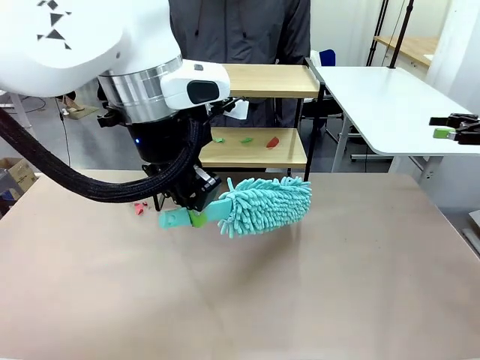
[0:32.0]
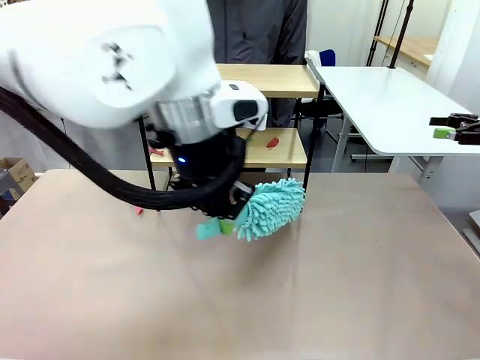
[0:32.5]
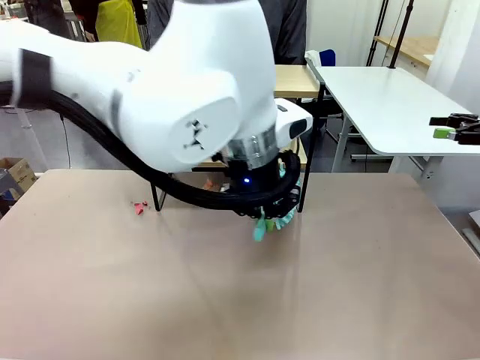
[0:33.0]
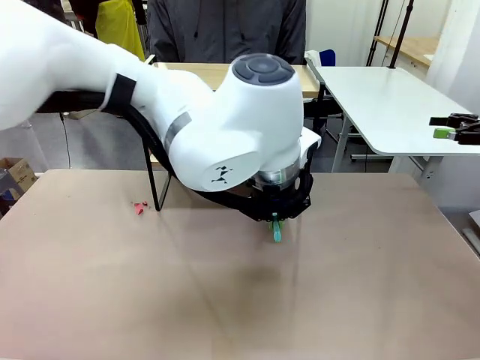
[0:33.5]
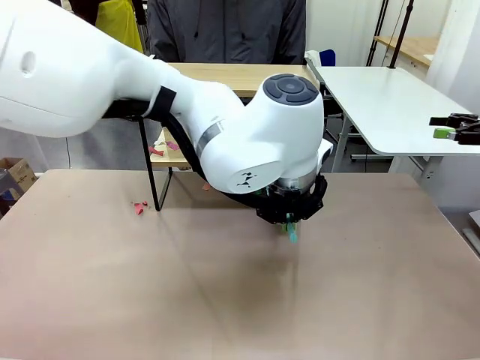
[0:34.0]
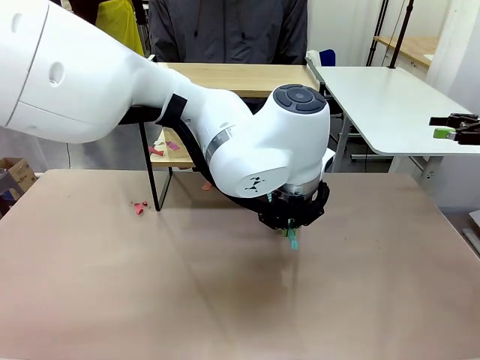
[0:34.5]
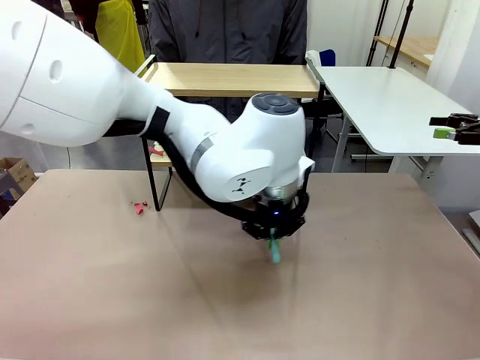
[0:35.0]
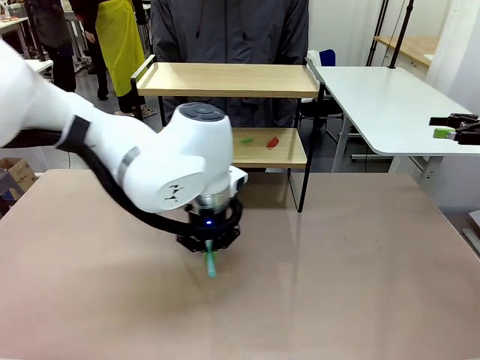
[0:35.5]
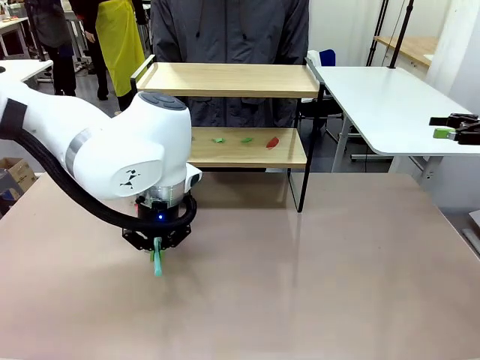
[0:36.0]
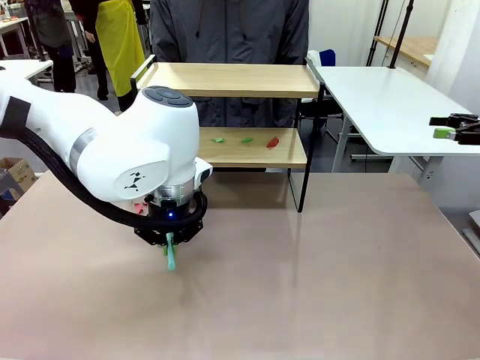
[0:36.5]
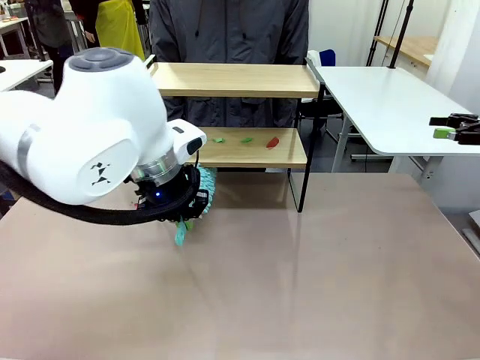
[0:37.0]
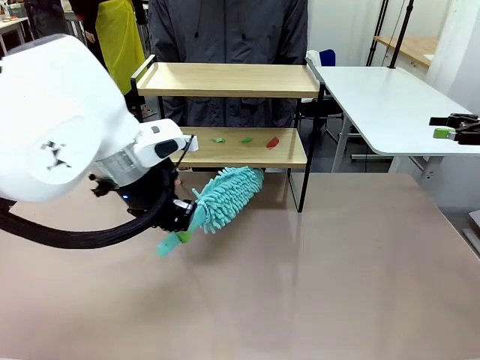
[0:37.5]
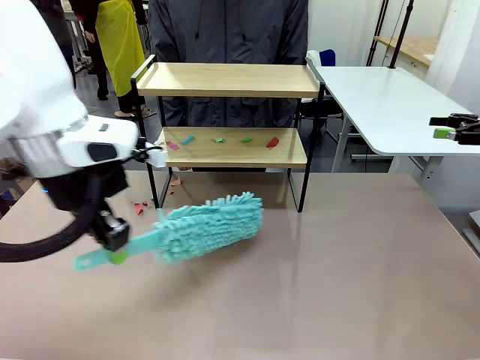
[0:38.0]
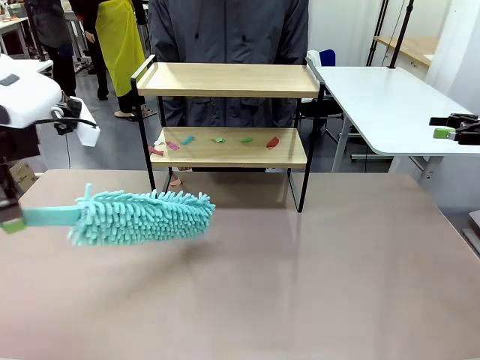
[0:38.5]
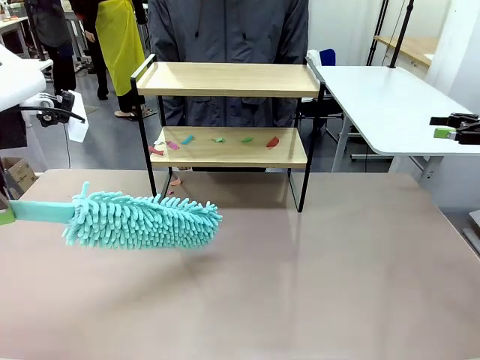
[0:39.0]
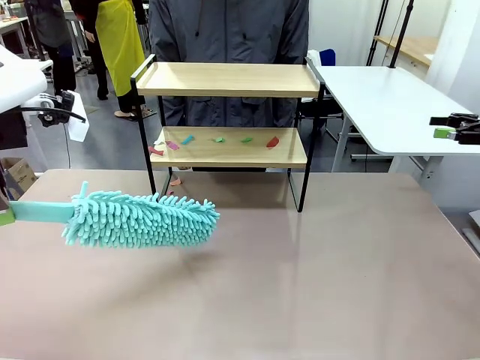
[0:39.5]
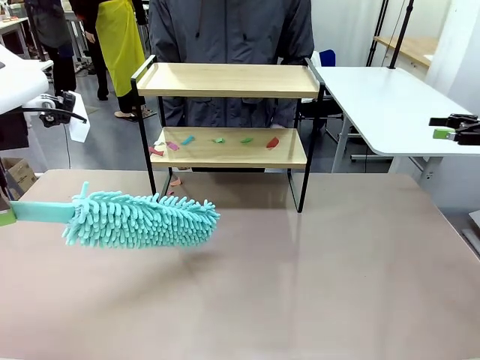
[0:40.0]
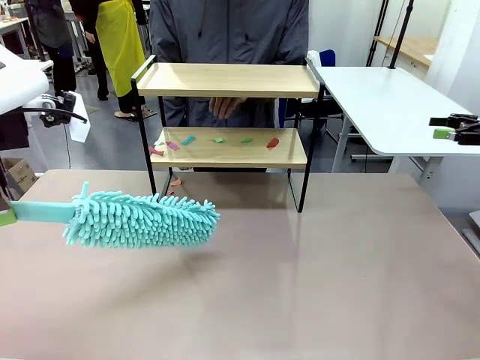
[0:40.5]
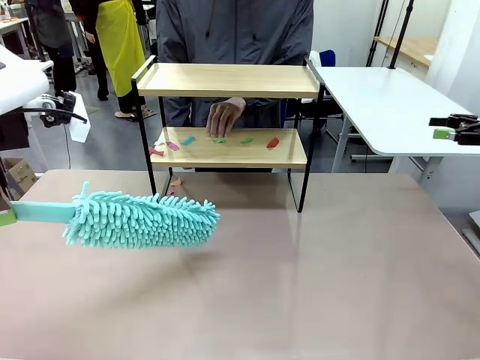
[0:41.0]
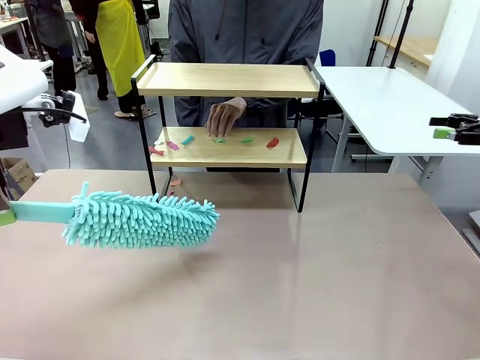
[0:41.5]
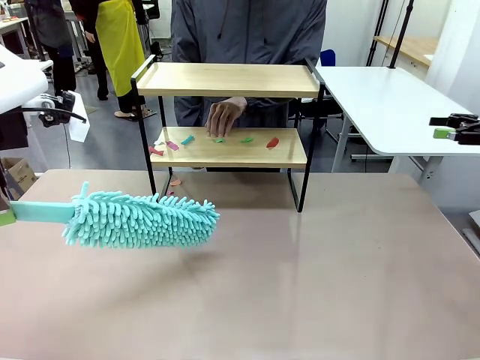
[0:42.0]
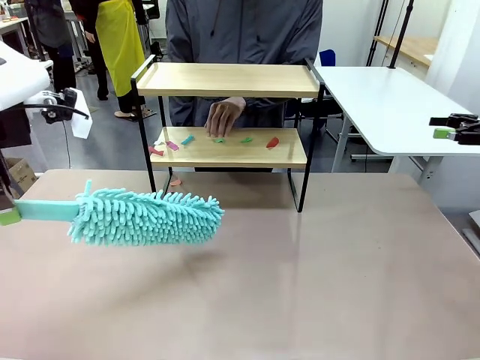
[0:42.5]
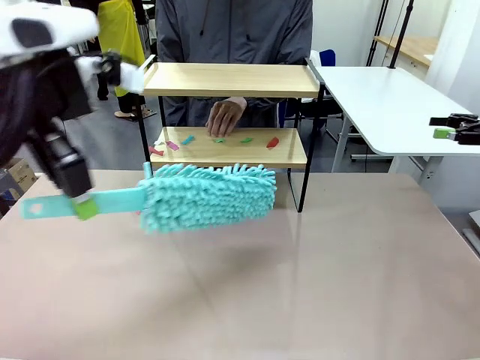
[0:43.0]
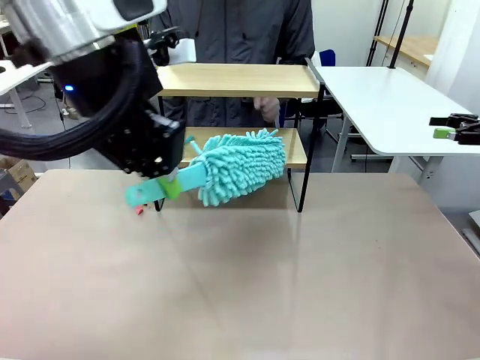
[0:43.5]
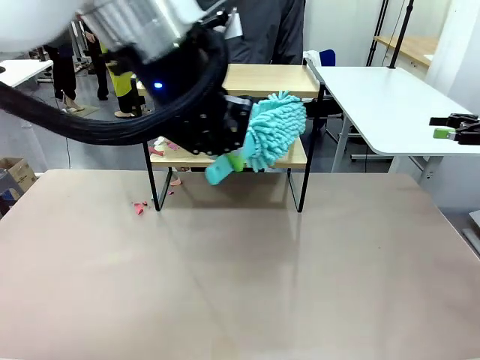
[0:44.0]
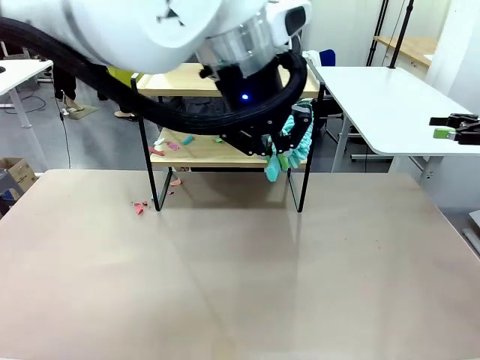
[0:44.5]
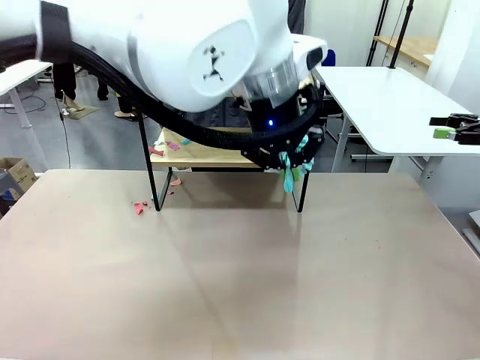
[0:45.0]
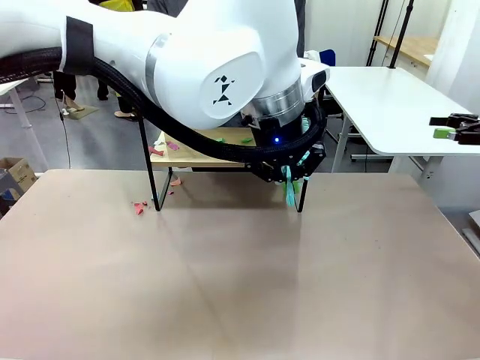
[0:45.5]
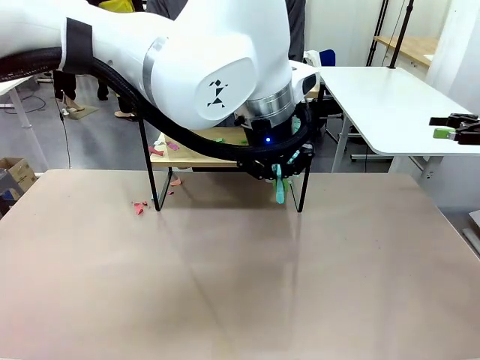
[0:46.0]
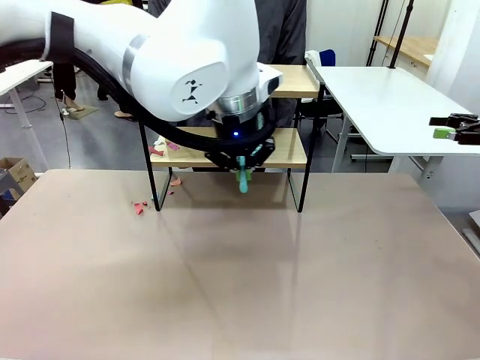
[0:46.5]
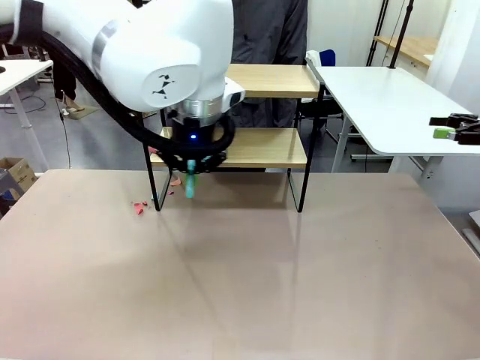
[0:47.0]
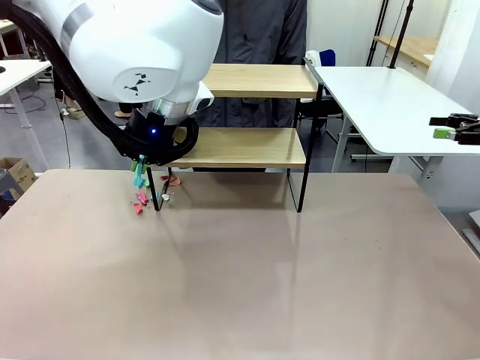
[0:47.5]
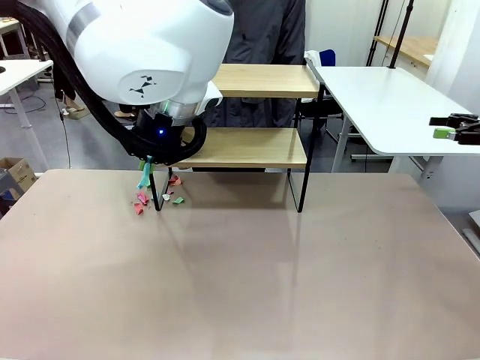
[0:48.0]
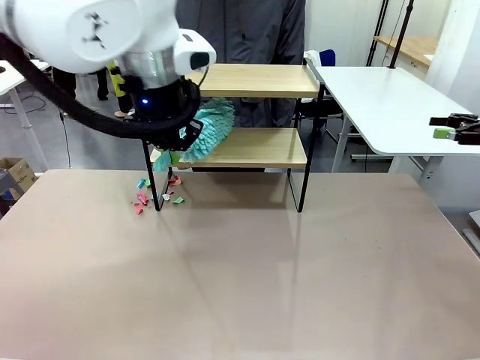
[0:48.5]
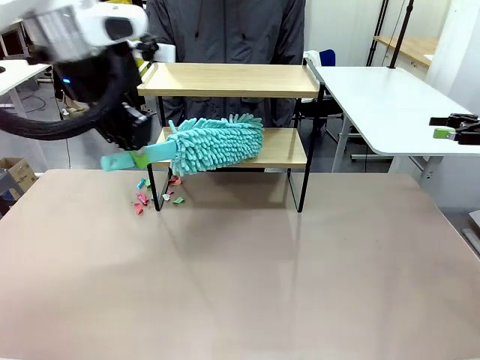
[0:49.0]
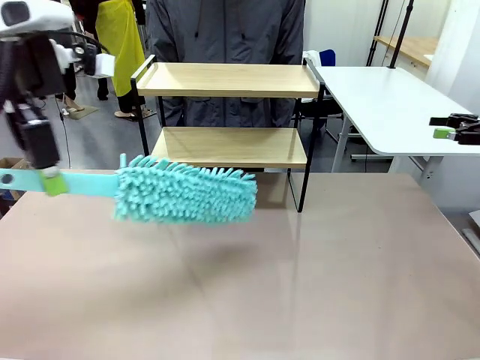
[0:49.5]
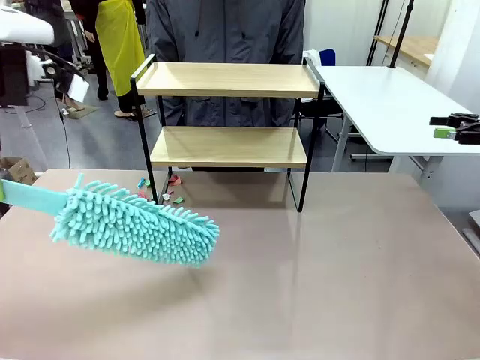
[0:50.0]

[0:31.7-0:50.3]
Task: Clean the shelf.
Robot: Clean the specific section of the Shelf indicated by the human with the Duster.
Person: Point a remaining section of the Shelf.

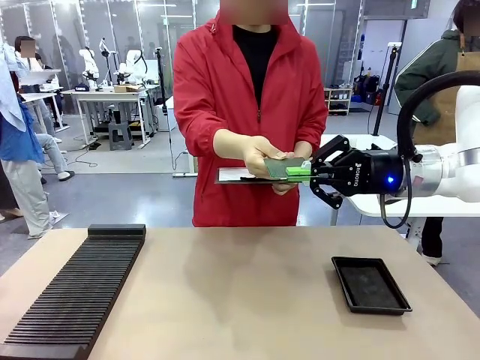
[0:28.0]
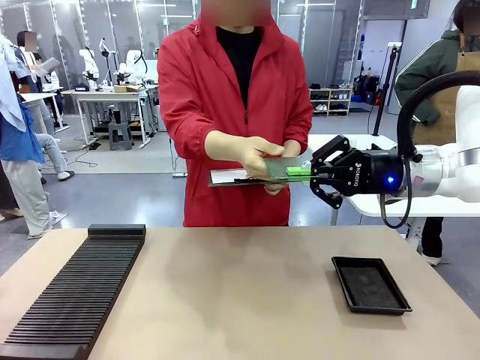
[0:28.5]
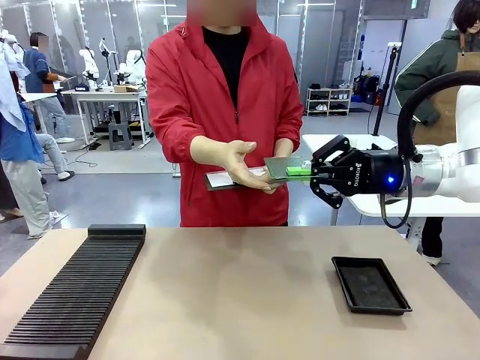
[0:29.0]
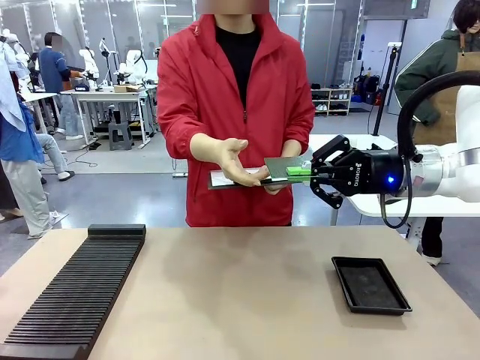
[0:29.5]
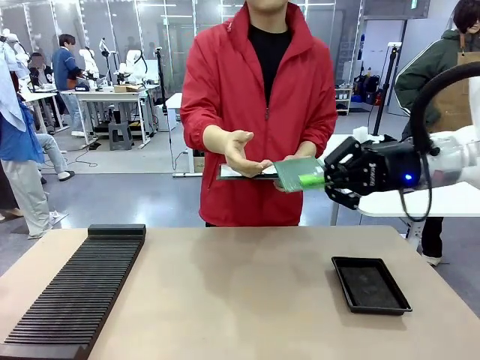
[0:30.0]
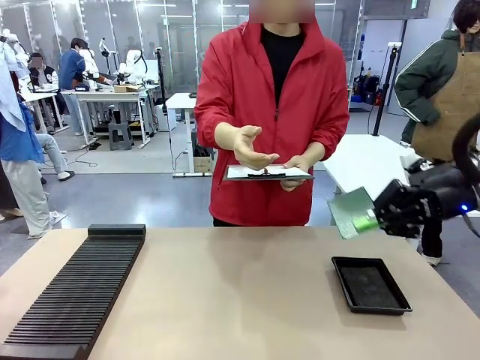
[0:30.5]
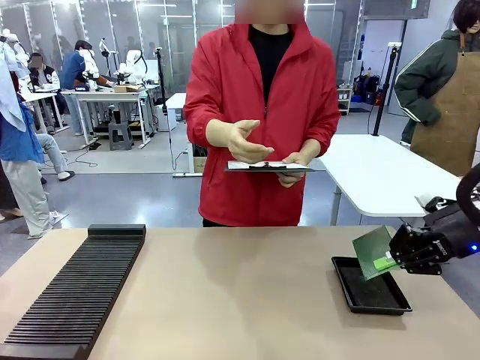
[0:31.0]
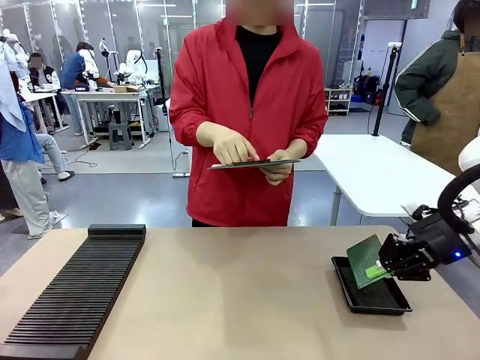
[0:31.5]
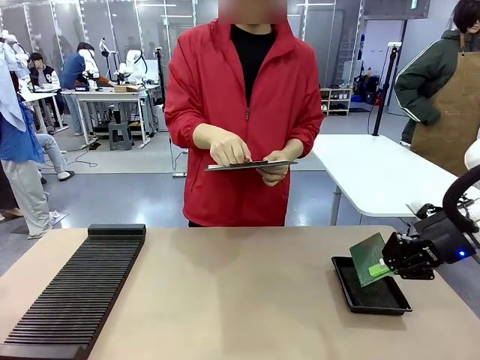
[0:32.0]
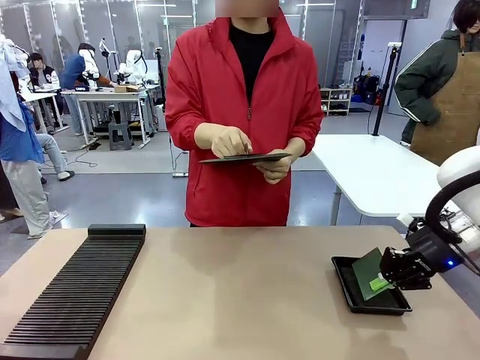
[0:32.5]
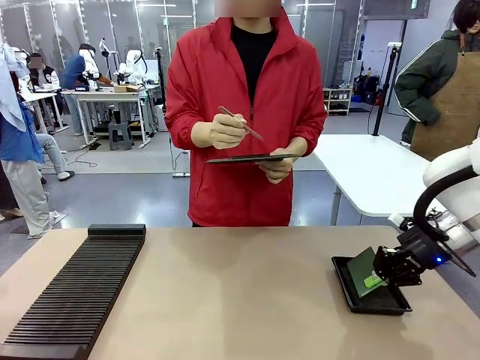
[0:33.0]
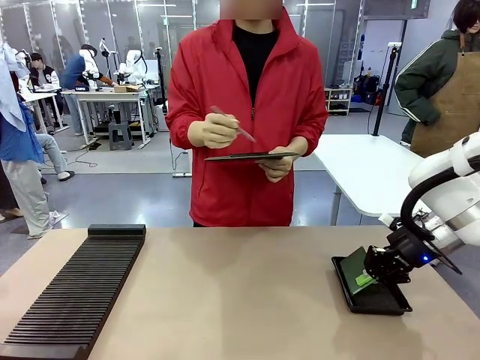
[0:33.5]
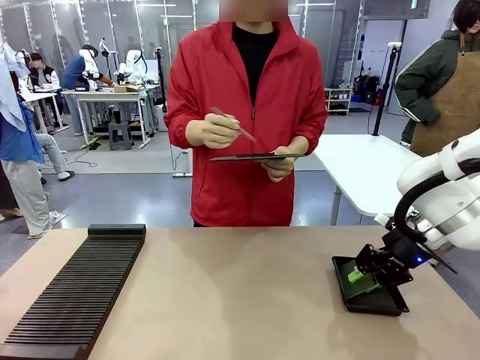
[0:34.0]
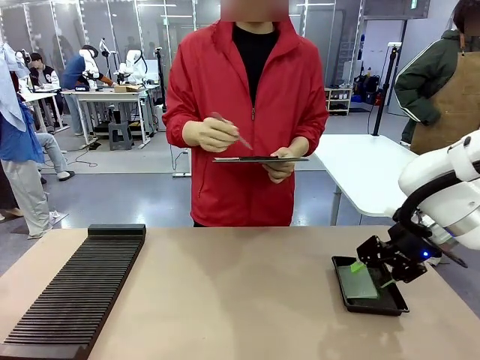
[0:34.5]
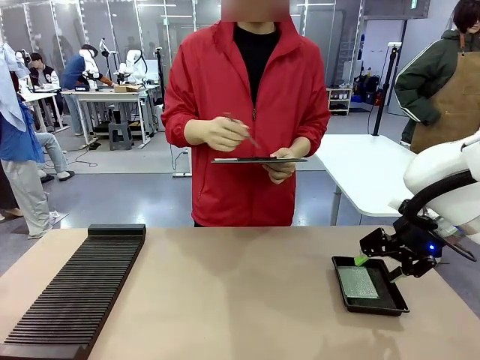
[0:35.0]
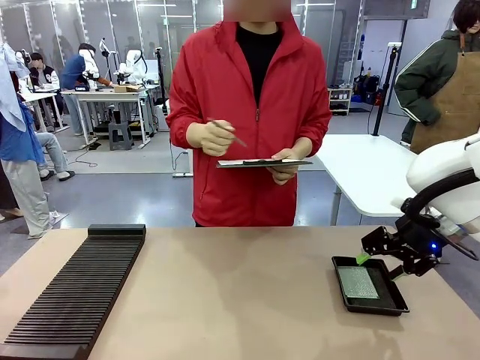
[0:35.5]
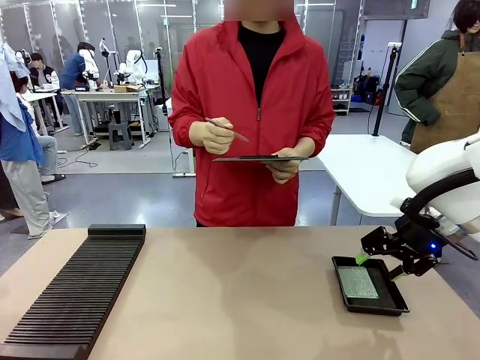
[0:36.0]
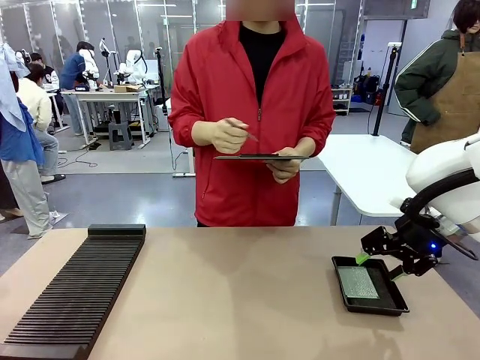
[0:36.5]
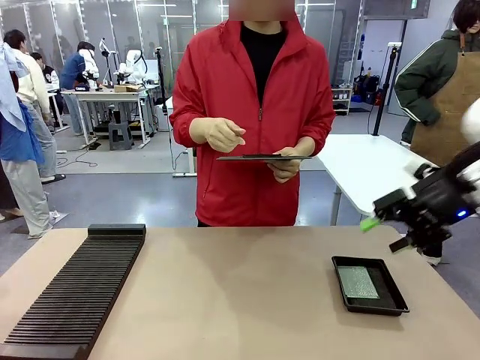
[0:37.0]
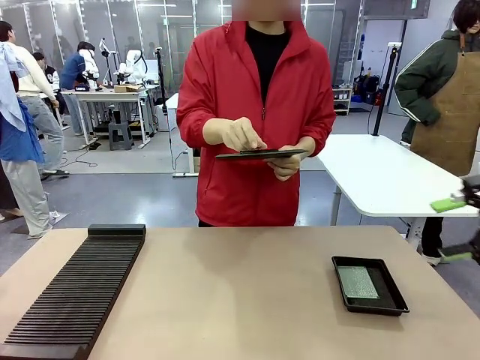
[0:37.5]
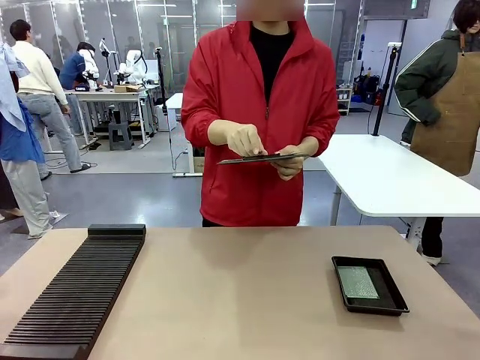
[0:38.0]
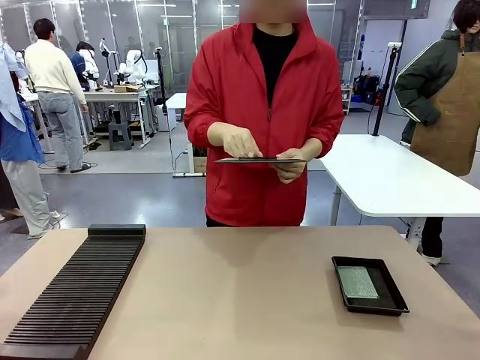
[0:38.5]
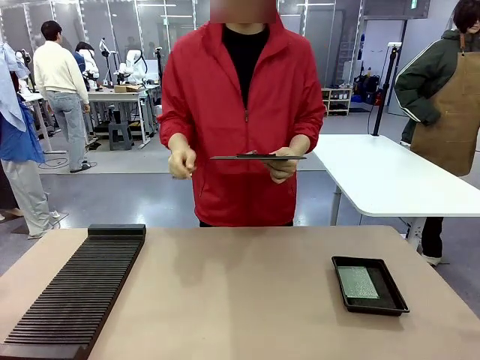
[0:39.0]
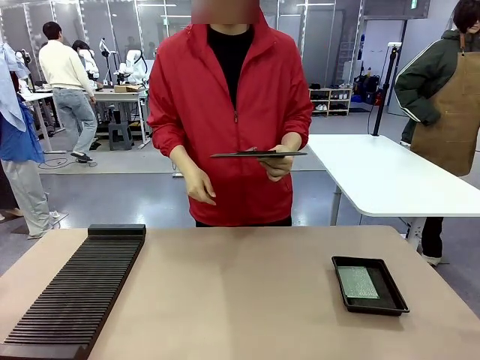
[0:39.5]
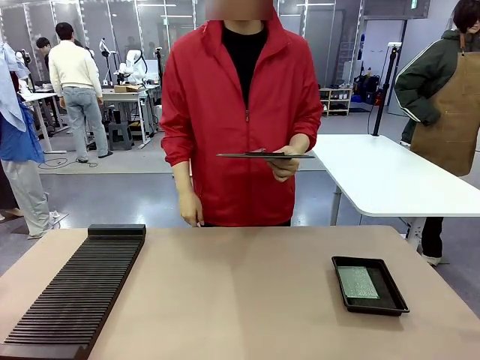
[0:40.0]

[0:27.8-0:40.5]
Task: Inspect the PCB.
Robot: Place the Blank PCB in the ESD tray.
Person: Record the PCB status on the paper.
